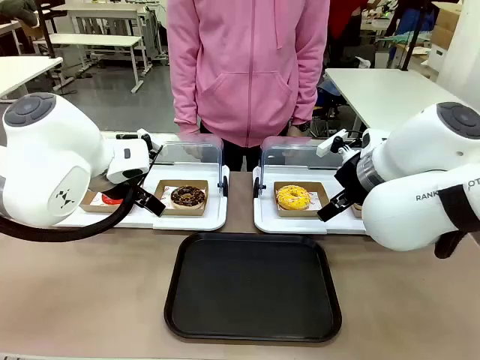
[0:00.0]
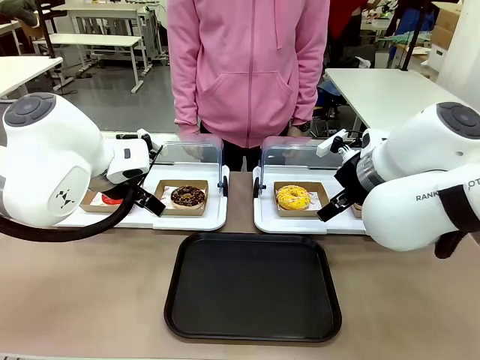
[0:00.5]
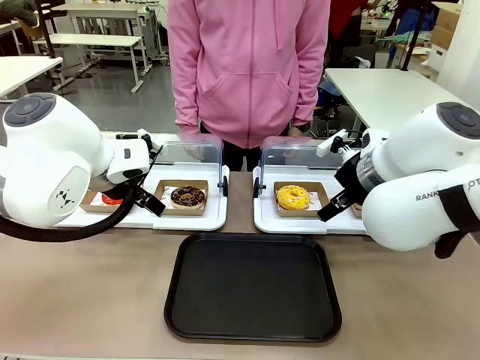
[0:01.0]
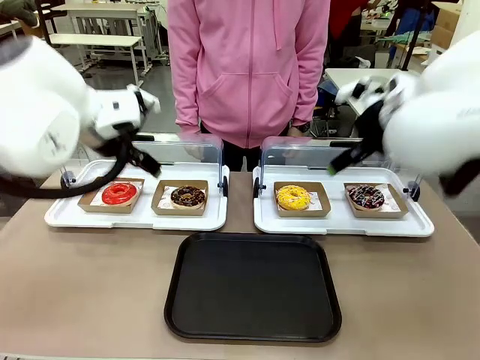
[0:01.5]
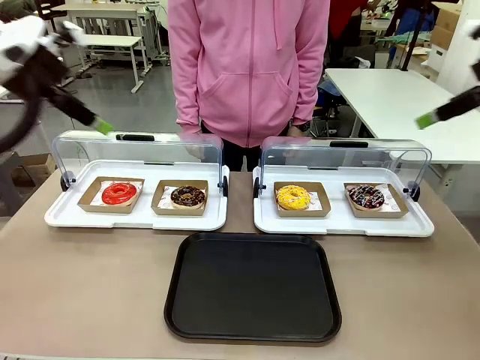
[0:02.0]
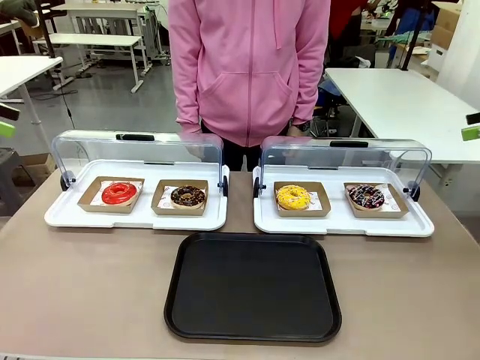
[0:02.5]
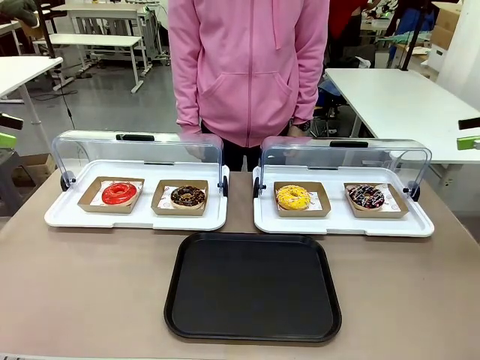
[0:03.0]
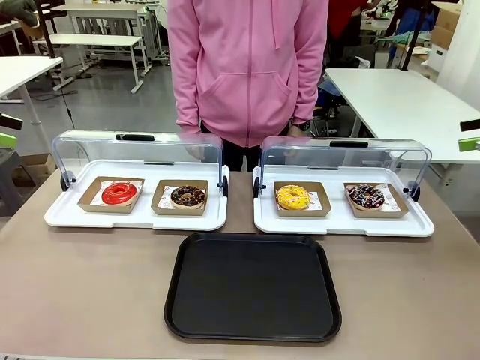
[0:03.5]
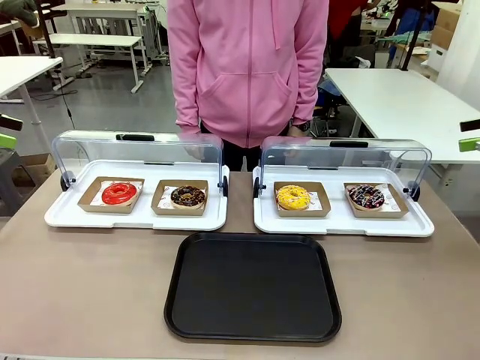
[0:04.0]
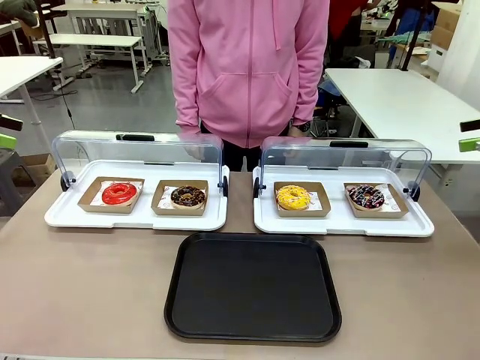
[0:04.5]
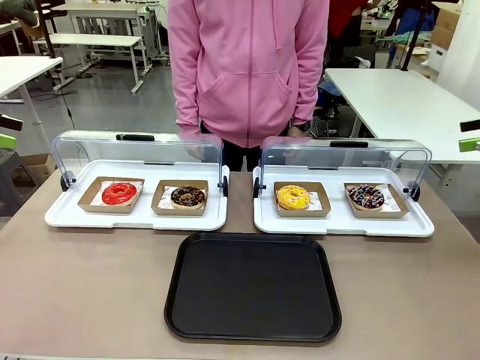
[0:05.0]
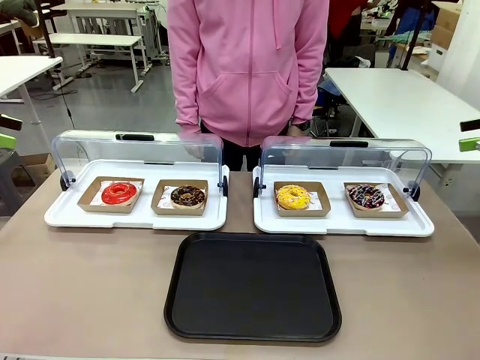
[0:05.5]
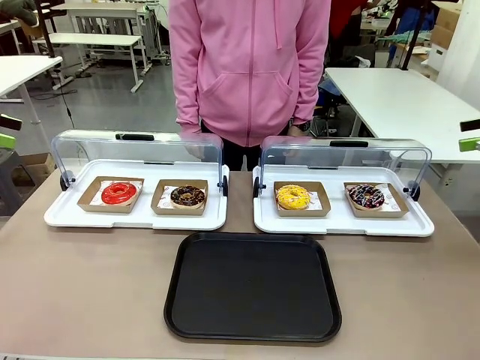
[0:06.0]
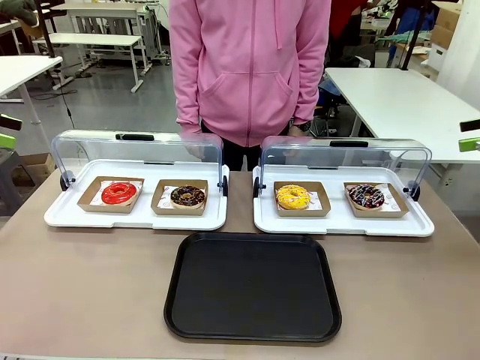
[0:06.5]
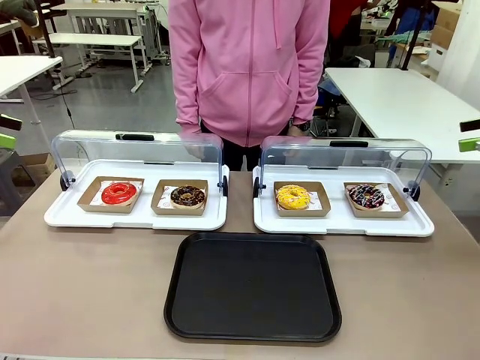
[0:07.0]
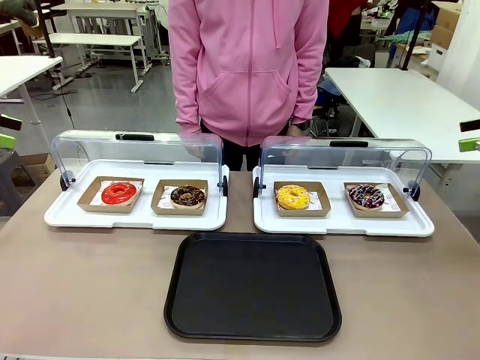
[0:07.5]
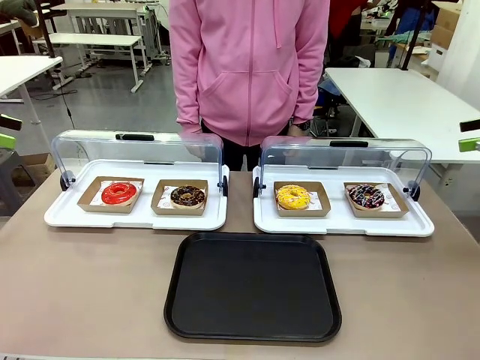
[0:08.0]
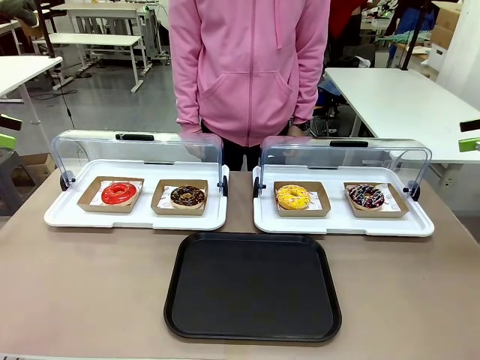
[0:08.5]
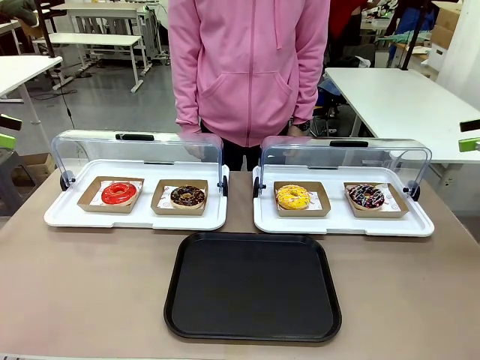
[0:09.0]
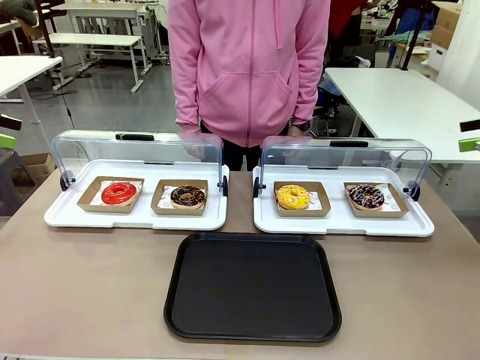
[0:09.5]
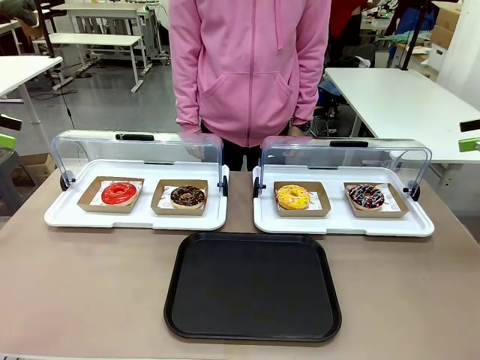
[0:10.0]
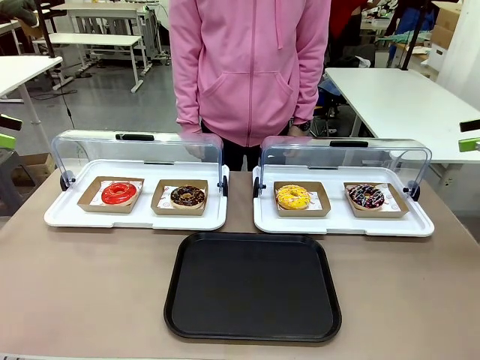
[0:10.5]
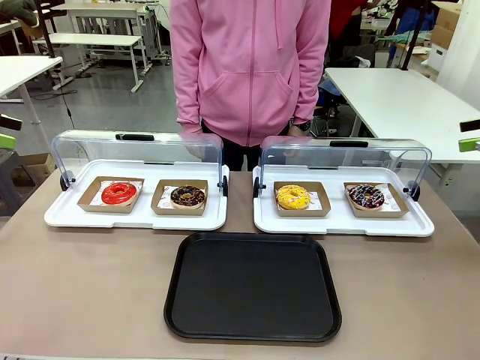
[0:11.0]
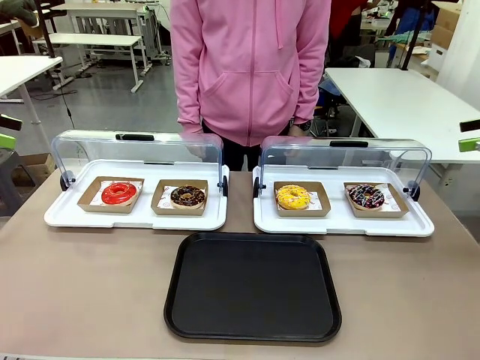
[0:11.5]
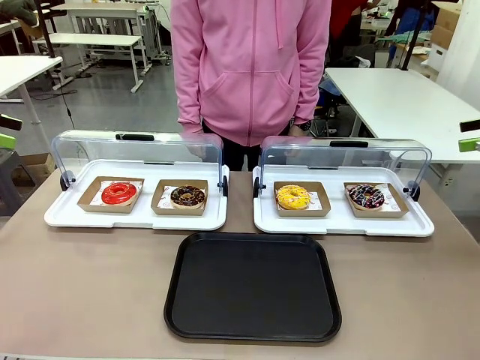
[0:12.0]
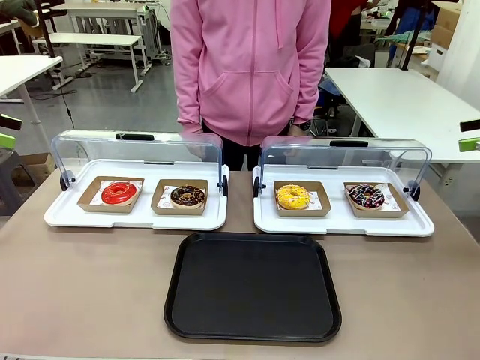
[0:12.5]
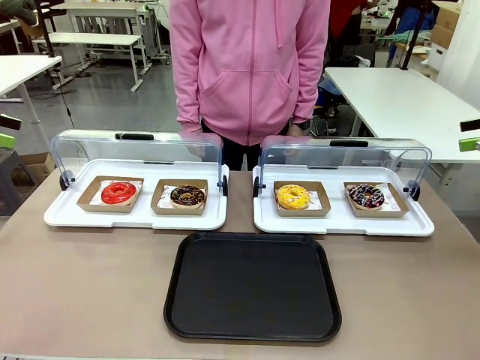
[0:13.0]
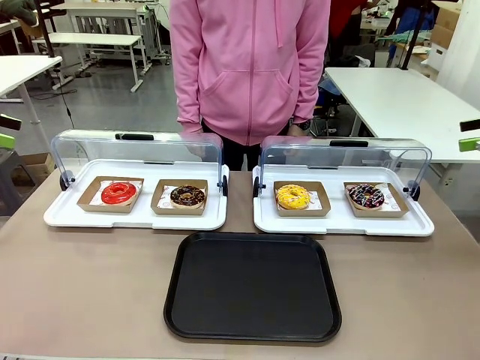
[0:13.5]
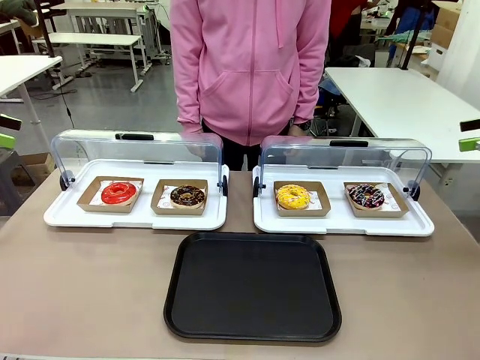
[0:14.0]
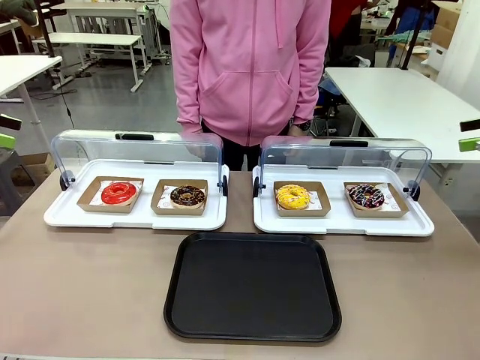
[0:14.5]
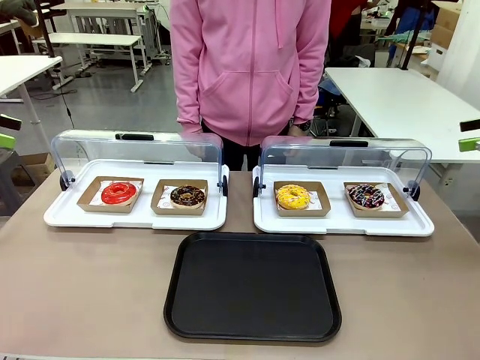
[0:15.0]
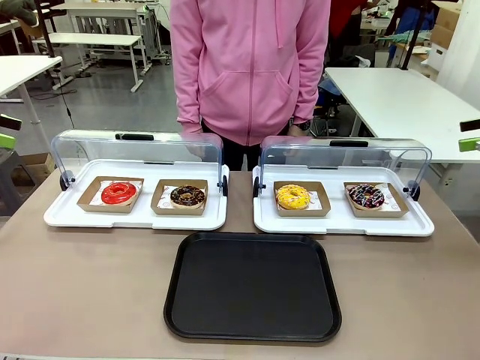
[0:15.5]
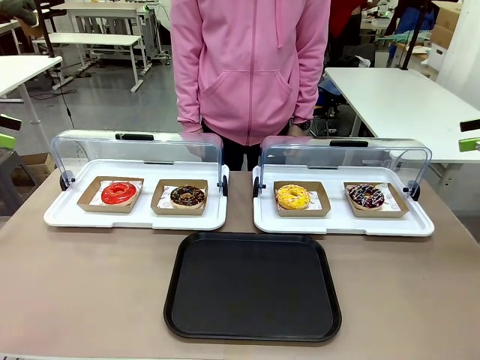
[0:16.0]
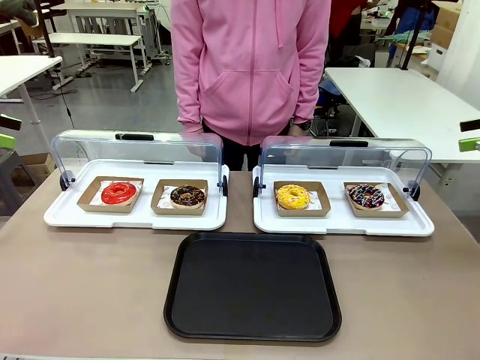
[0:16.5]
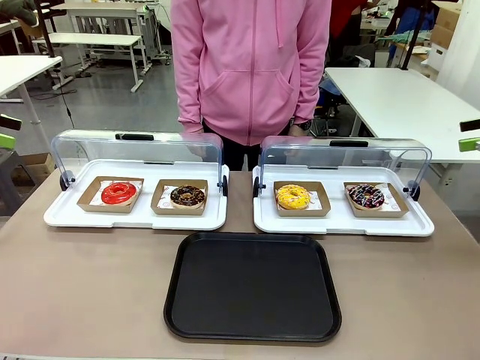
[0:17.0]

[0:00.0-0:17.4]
Task: Move the first donut from the left to the tray.
Robot: Pick up the Paper togo box containing the Donut indicated by the person and place it on the Handle tray.

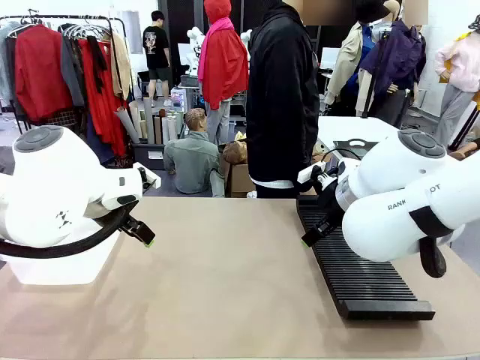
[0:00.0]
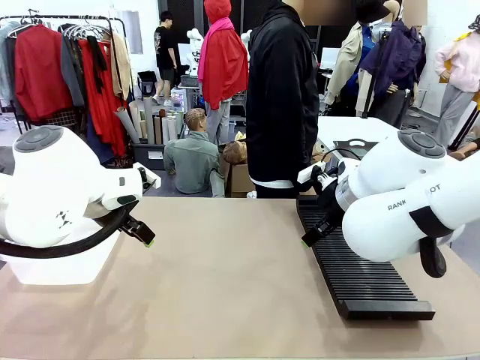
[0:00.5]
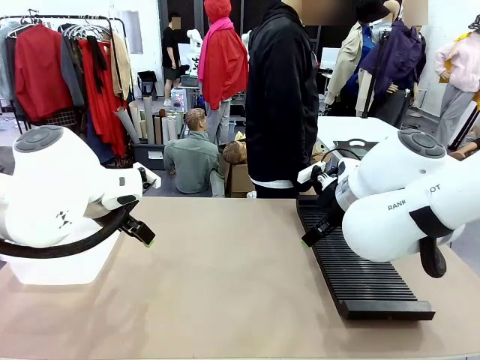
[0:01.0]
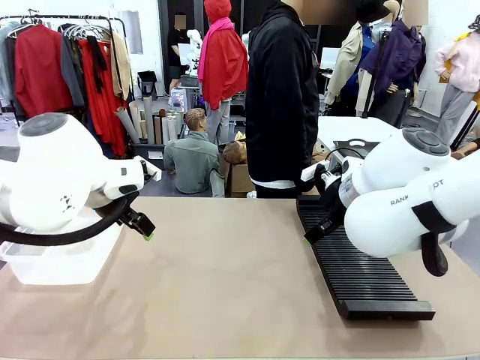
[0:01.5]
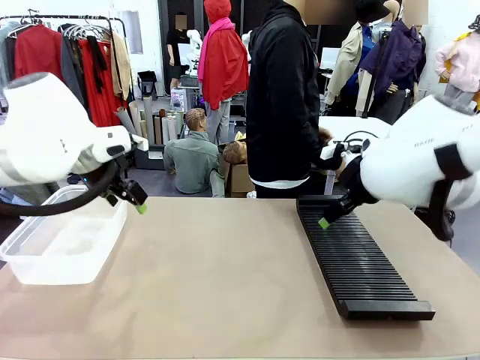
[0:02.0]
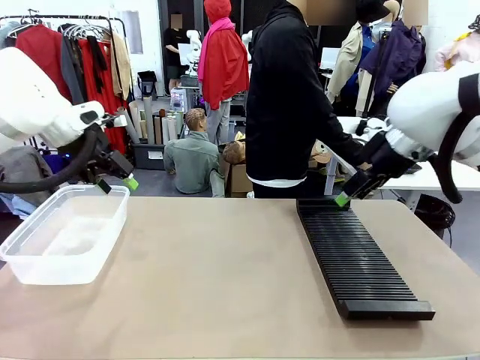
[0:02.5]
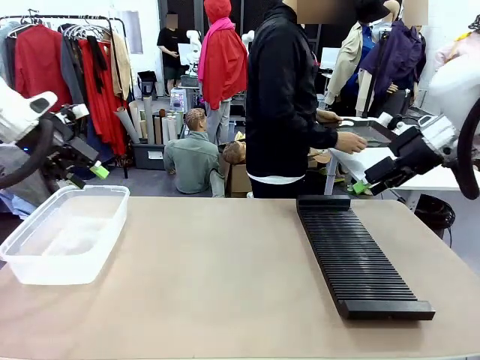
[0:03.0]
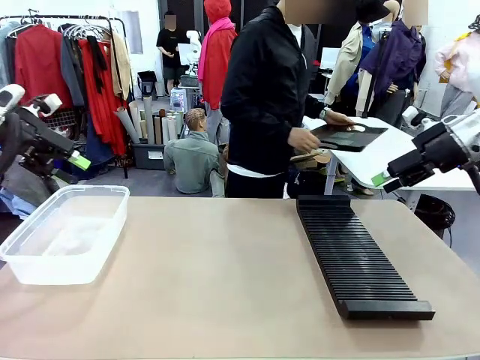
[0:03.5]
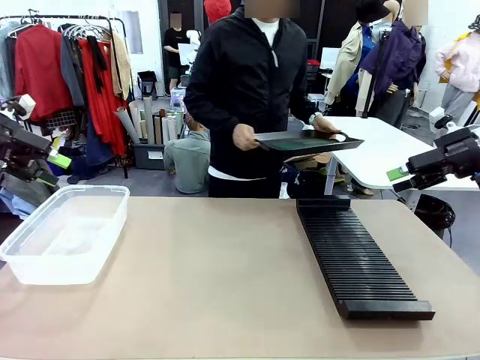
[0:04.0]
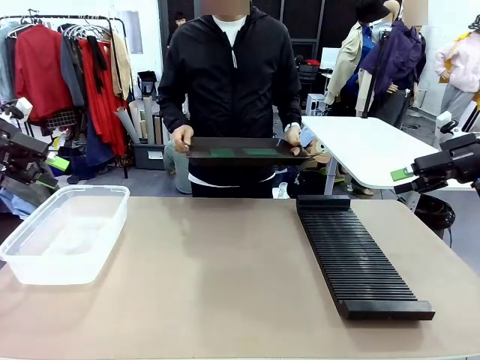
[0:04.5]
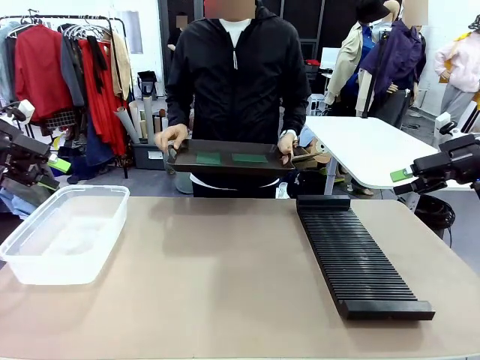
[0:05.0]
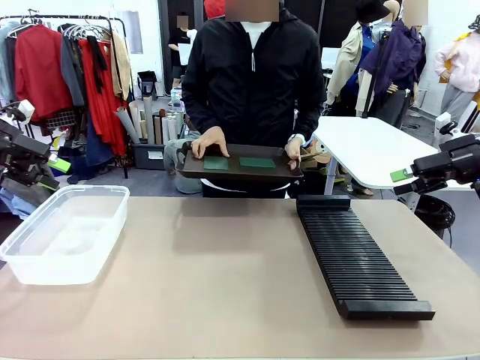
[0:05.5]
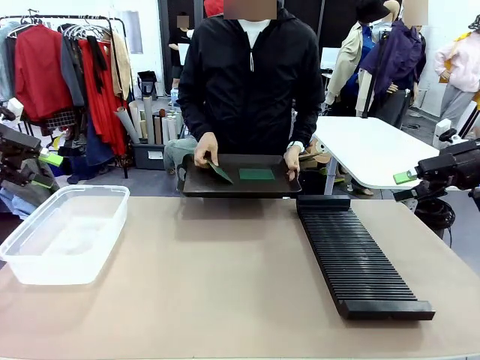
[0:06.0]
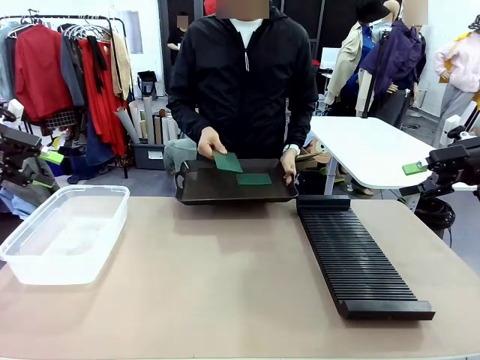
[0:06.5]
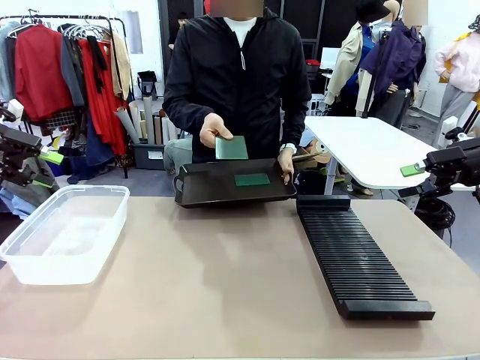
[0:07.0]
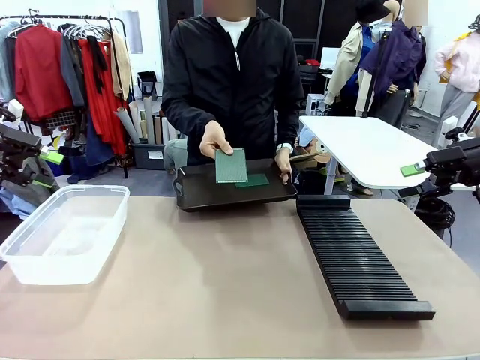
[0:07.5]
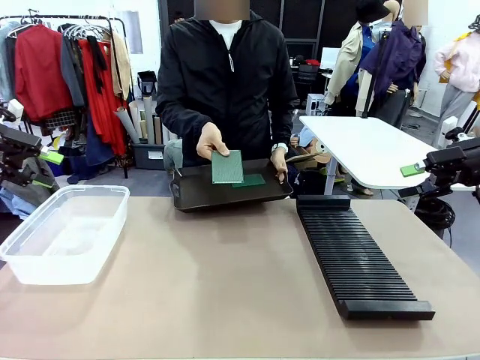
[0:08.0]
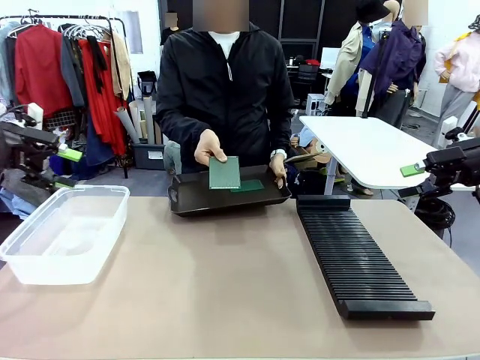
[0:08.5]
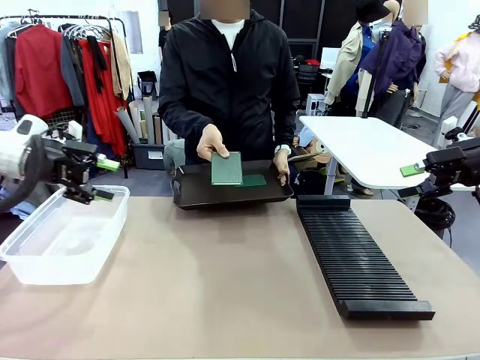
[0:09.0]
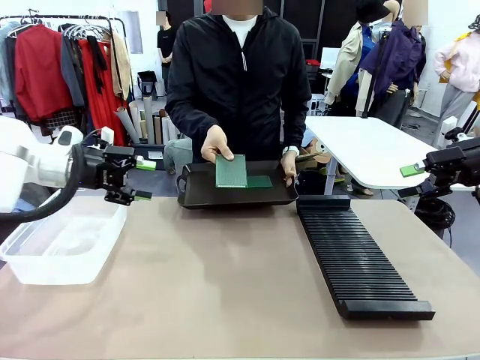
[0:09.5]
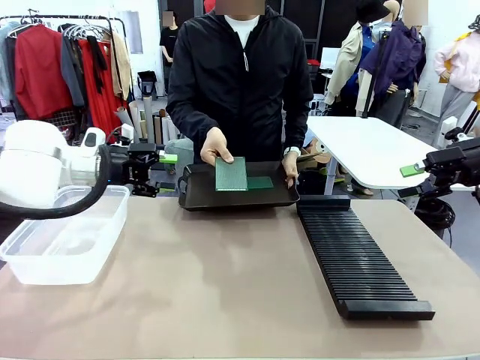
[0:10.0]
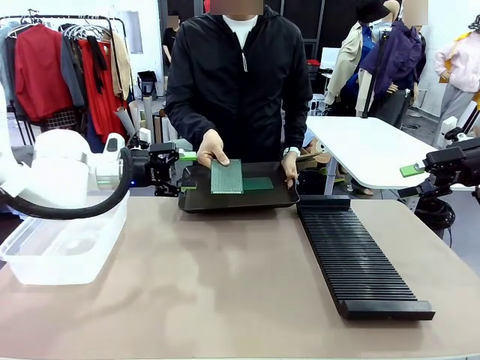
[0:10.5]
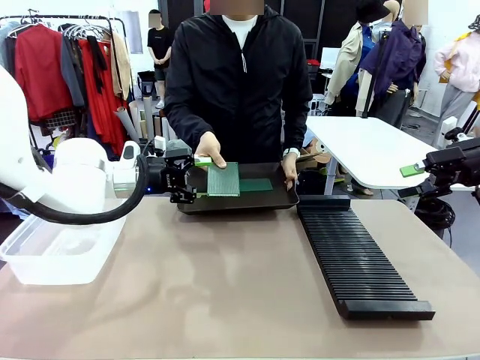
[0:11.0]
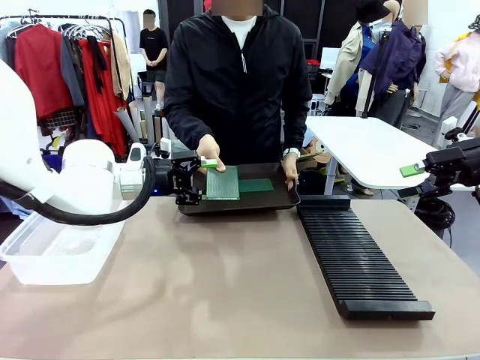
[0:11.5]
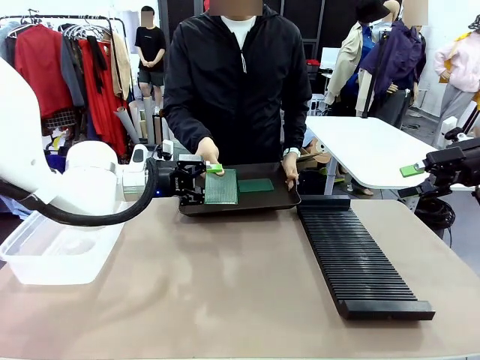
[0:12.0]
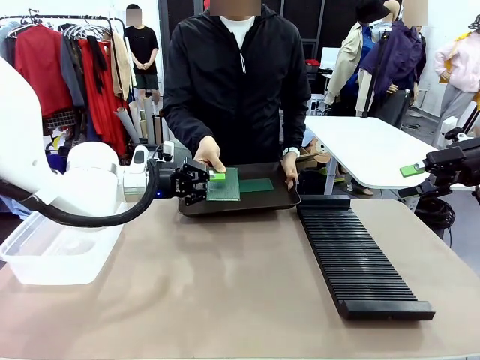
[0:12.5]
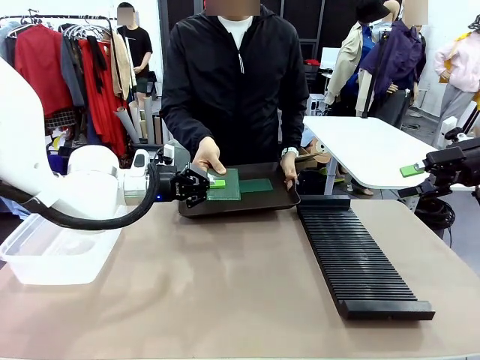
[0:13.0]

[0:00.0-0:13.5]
Task: Sort PCBs into racks and boxes based on the side picked up.
Robot: Pick up the Blank PCB handed by the Human.
Person: Pick one PCB from the tray and present it to the robot. Release the PCB being held.
